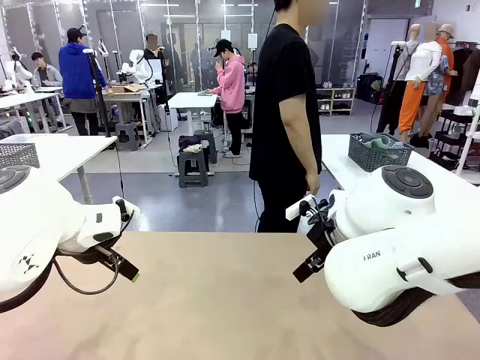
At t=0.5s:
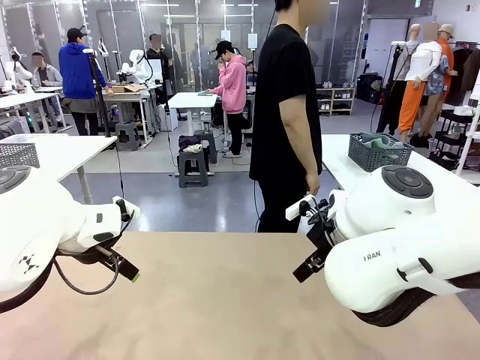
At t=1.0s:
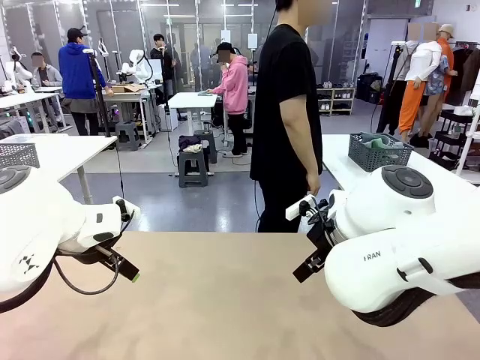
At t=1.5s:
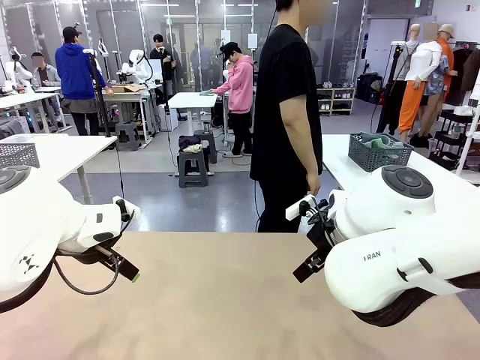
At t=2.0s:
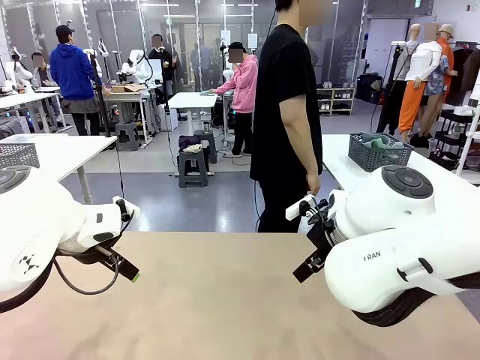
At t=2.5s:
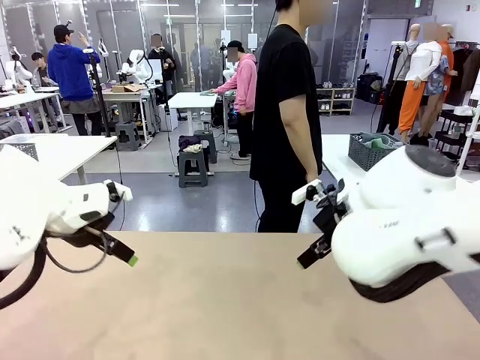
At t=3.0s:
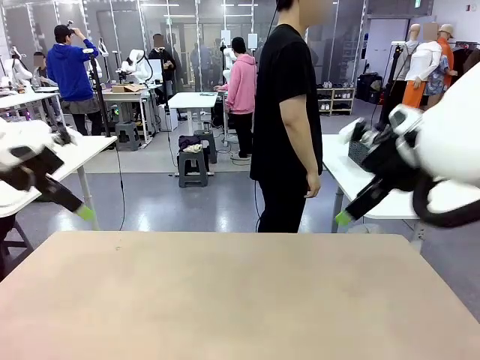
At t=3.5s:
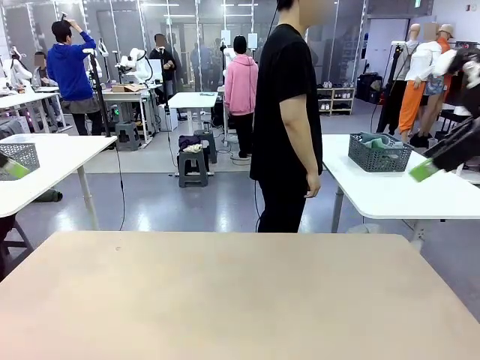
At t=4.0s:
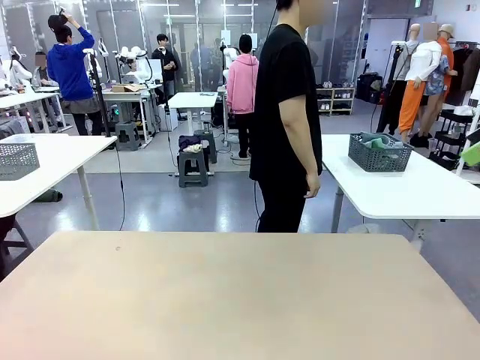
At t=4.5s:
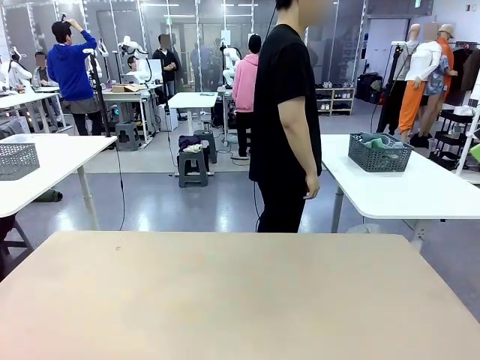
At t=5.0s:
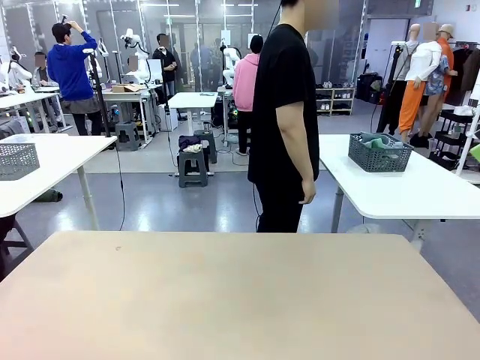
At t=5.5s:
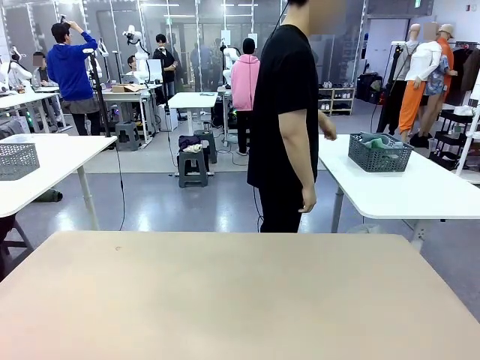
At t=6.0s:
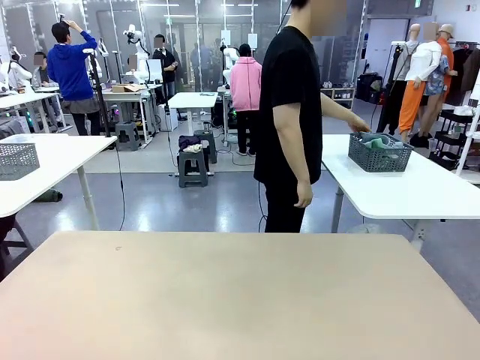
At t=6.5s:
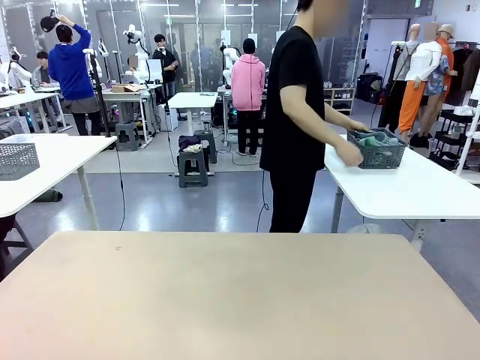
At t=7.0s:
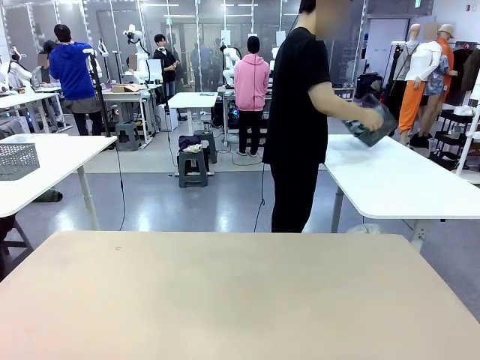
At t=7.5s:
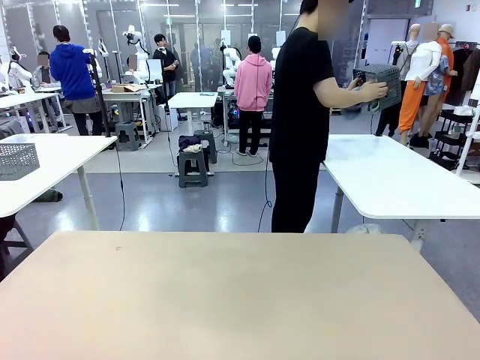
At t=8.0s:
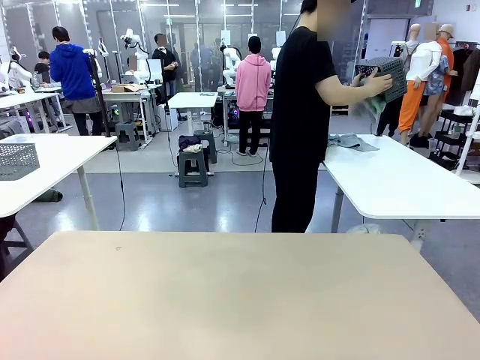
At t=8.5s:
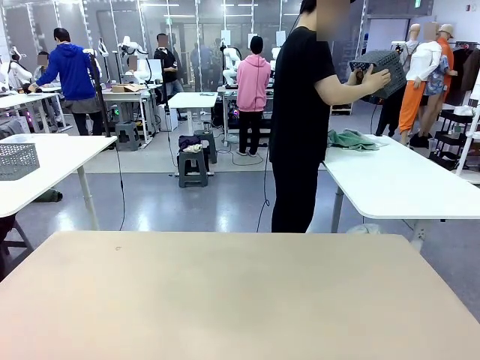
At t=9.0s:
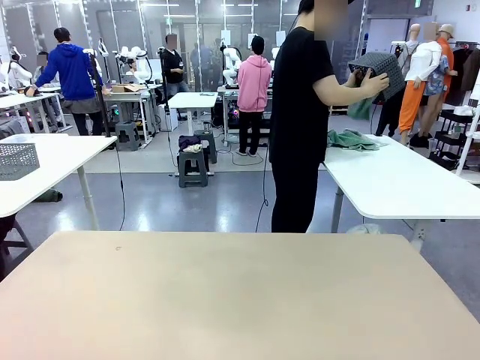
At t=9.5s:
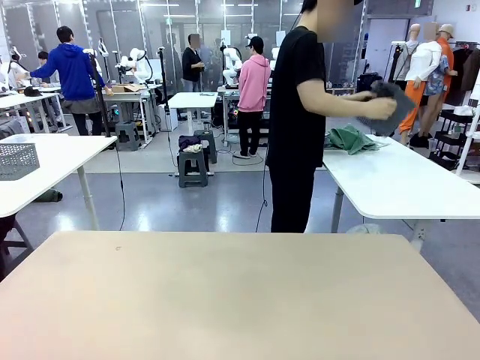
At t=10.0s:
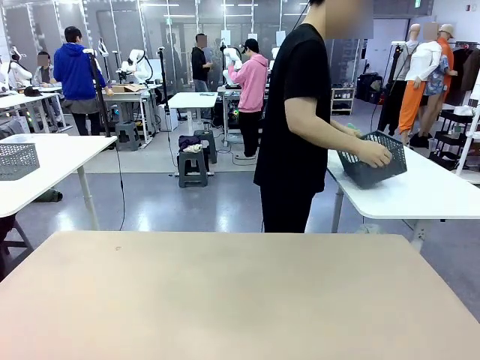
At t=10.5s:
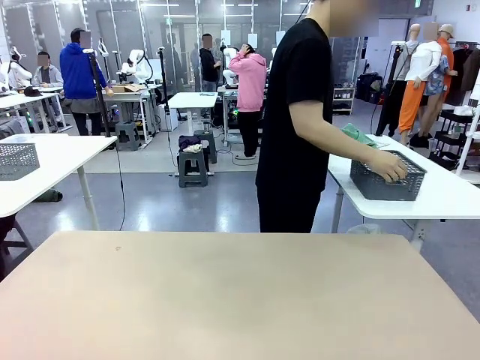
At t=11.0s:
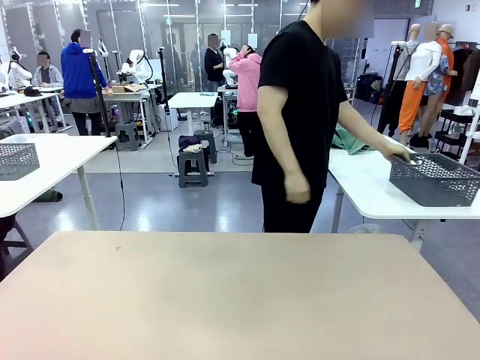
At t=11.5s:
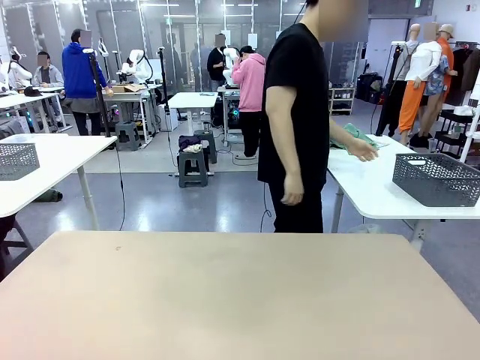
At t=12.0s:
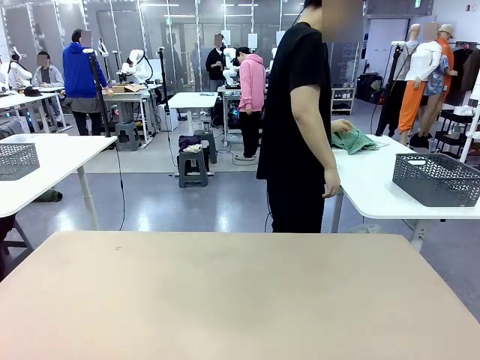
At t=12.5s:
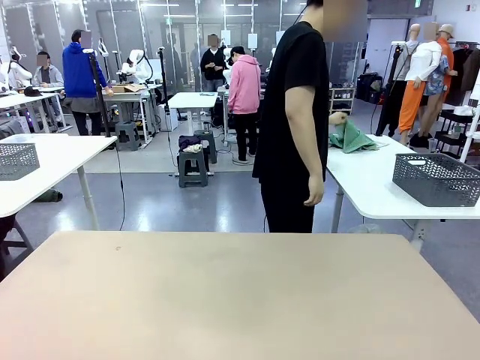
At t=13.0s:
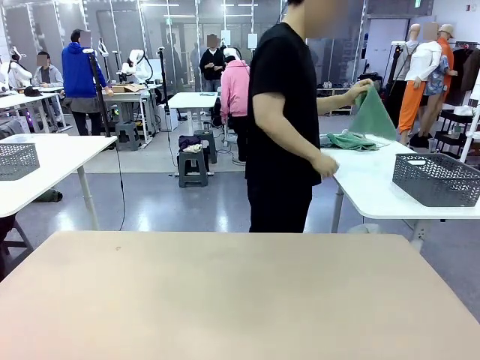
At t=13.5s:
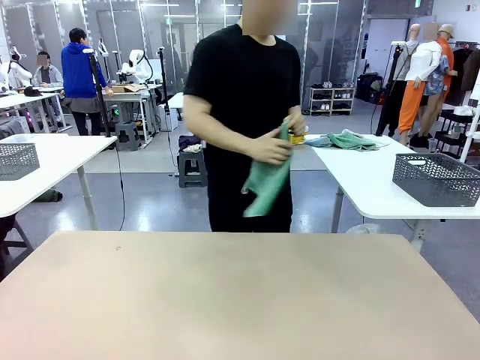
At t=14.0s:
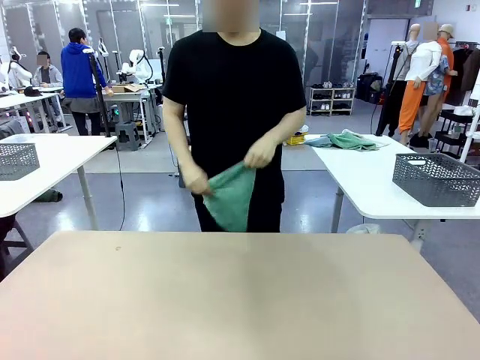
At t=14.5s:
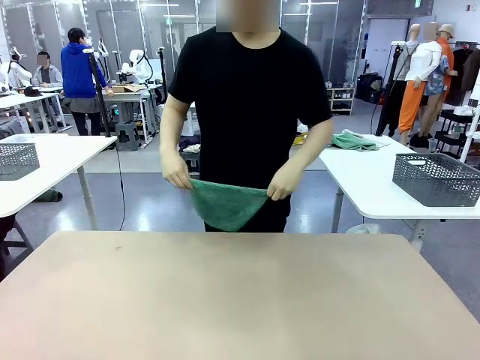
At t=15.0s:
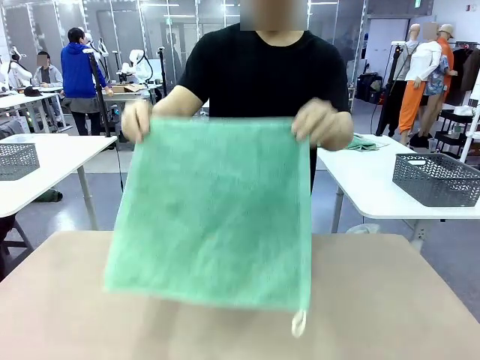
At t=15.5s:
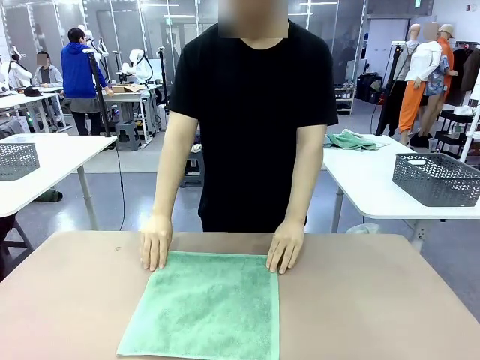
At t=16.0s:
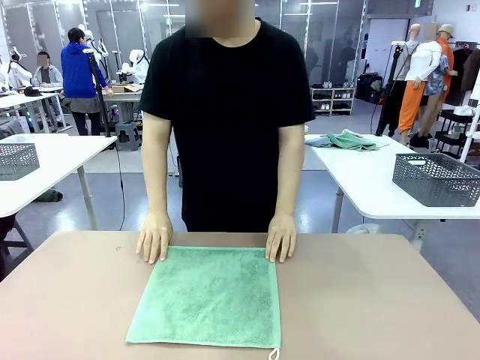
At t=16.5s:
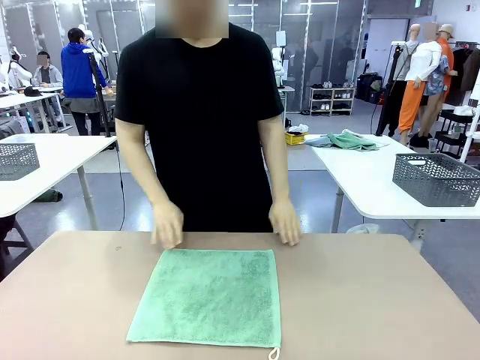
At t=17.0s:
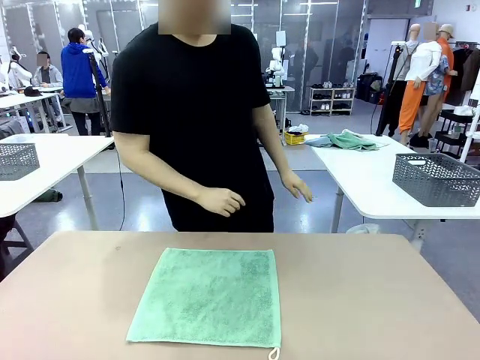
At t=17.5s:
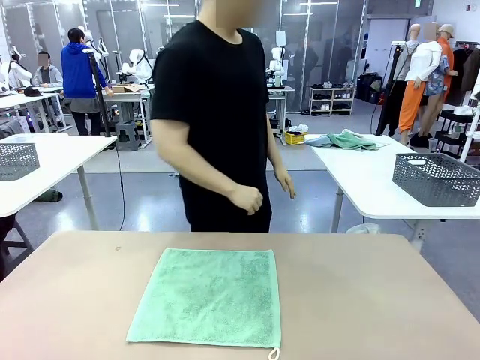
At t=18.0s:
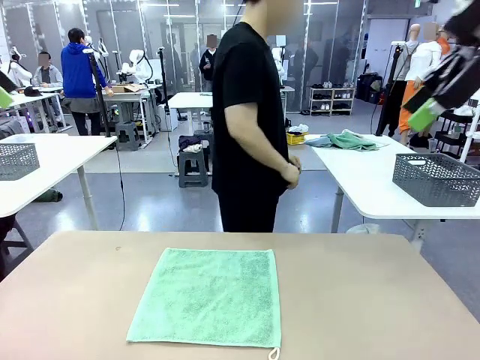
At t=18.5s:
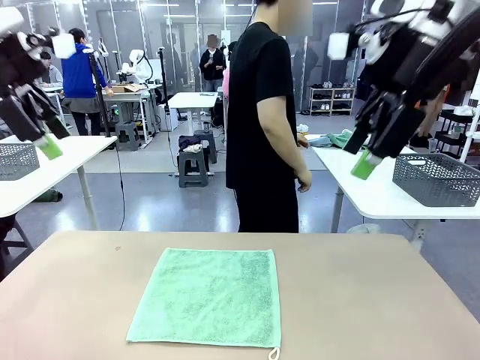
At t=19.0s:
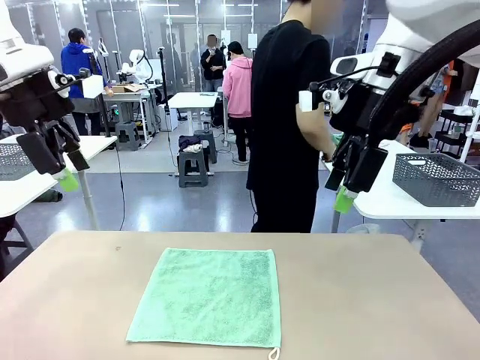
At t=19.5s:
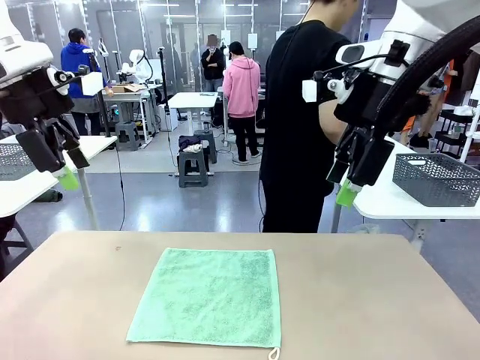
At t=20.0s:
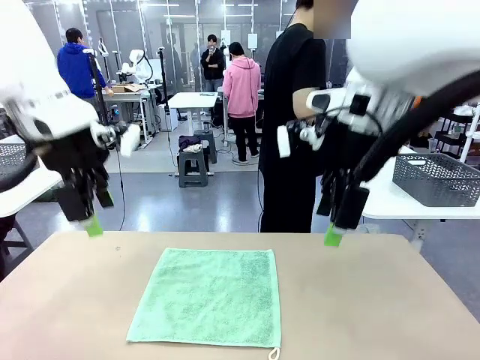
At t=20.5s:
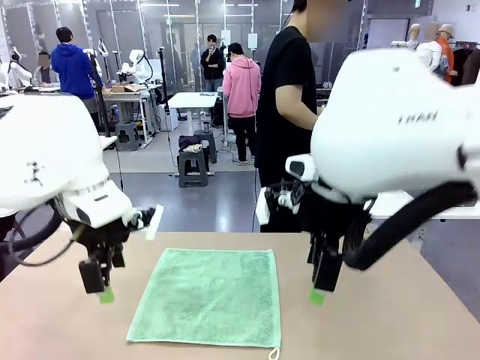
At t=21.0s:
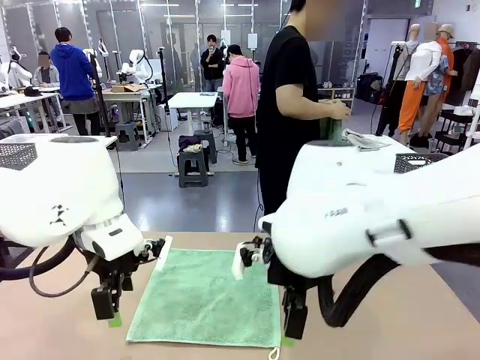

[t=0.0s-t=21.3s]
Task: Fold the towels and place them in the basket.
Robot: When a person lays out a Towel with hook on the table, fold it in half twice.
Person: Pick up the basket, pour the towels onto the left side of the human table, and place the basket on the right side. Pick up one towel and spread it out at the center of the robot table.
